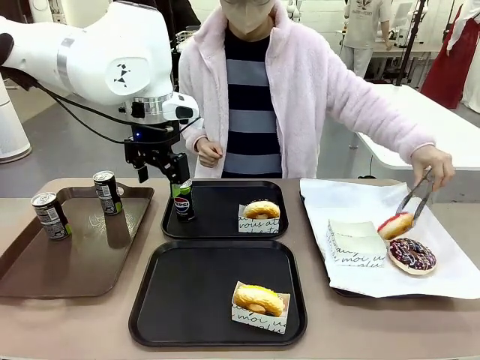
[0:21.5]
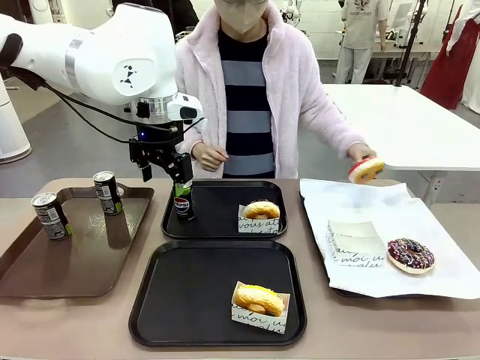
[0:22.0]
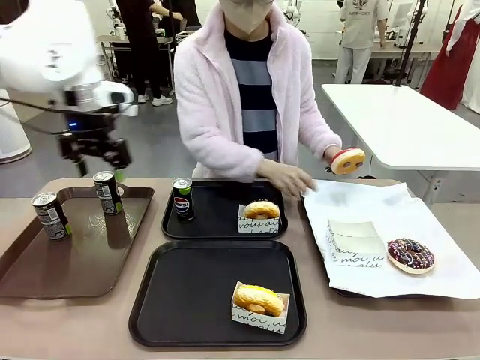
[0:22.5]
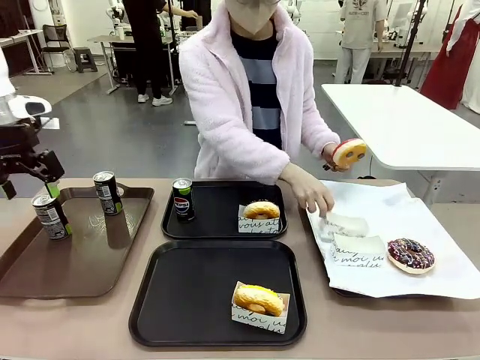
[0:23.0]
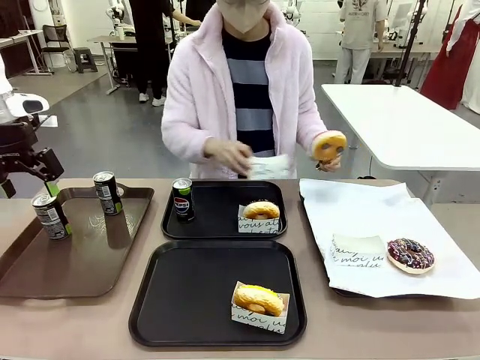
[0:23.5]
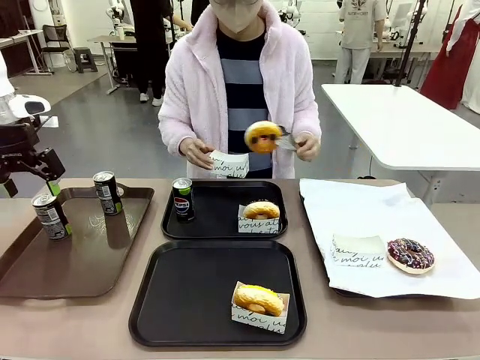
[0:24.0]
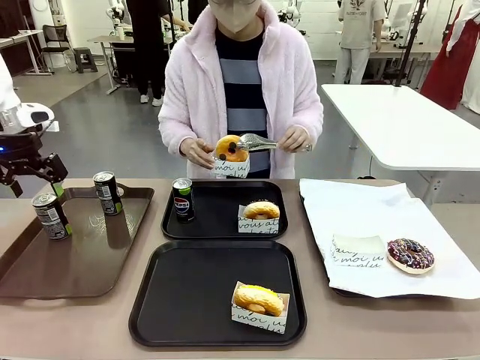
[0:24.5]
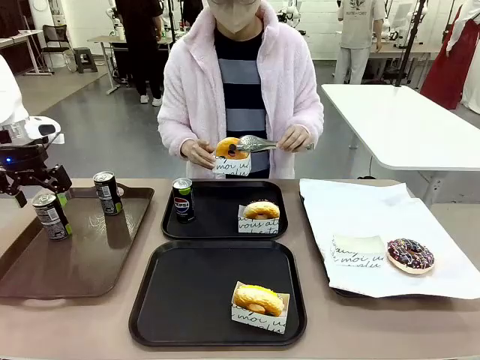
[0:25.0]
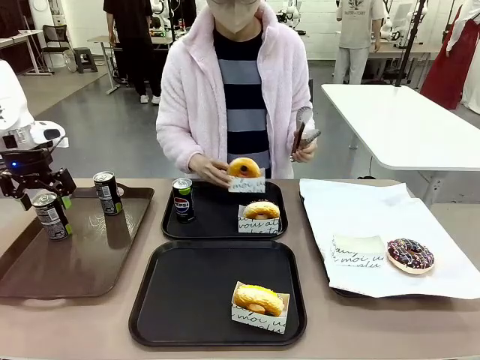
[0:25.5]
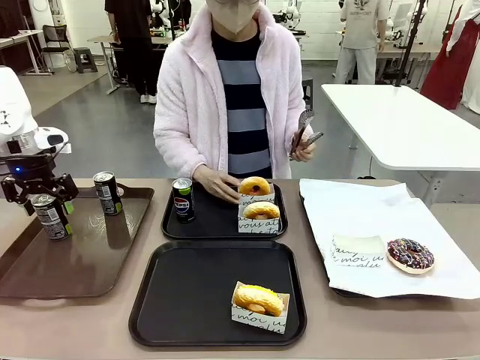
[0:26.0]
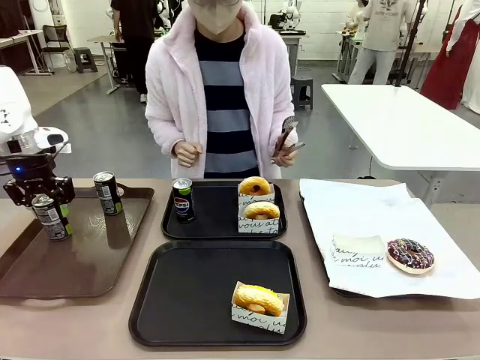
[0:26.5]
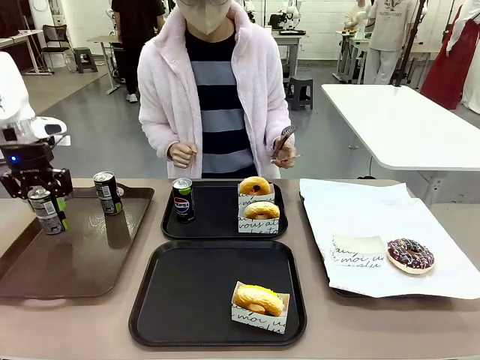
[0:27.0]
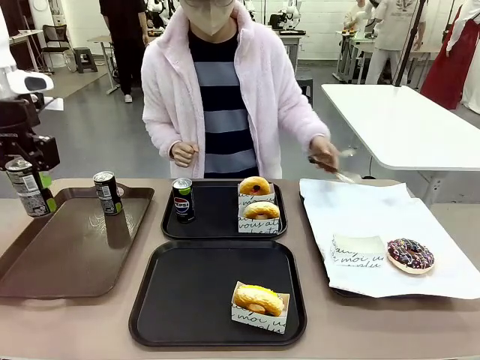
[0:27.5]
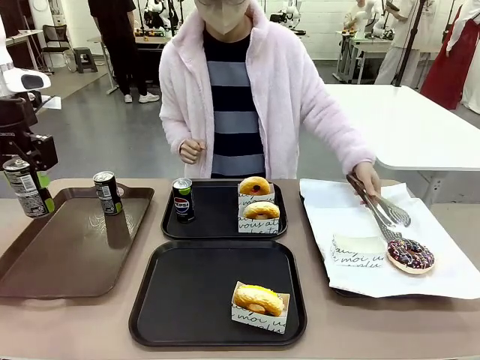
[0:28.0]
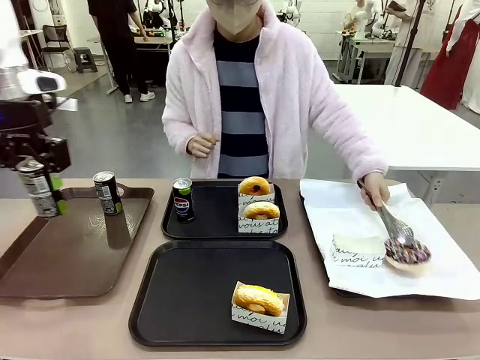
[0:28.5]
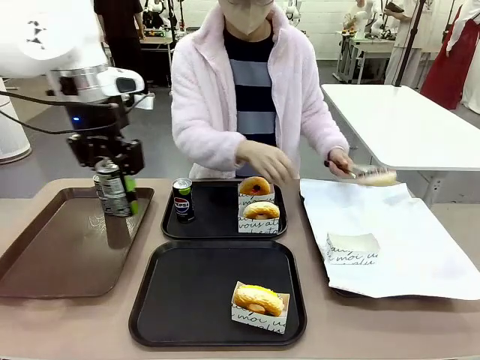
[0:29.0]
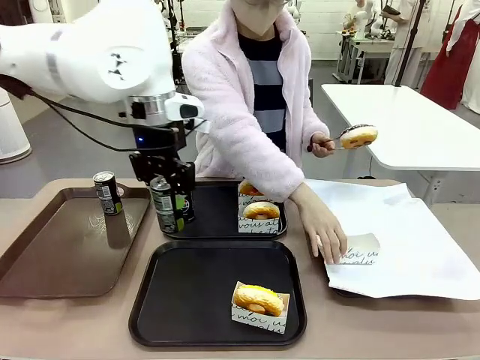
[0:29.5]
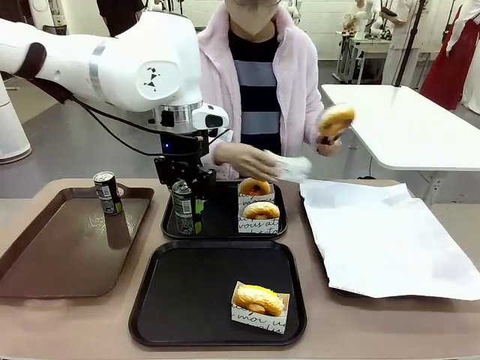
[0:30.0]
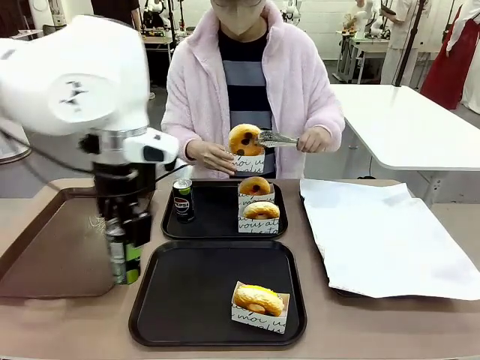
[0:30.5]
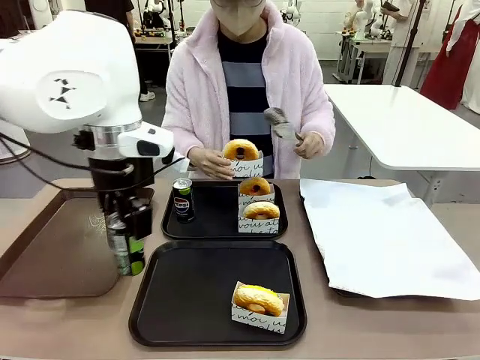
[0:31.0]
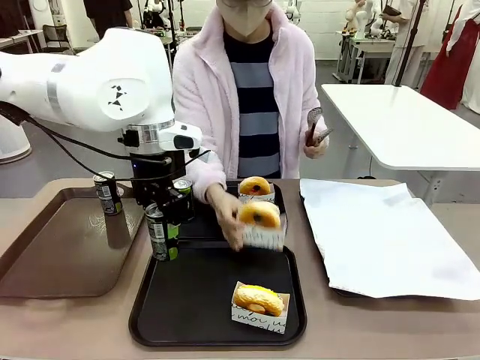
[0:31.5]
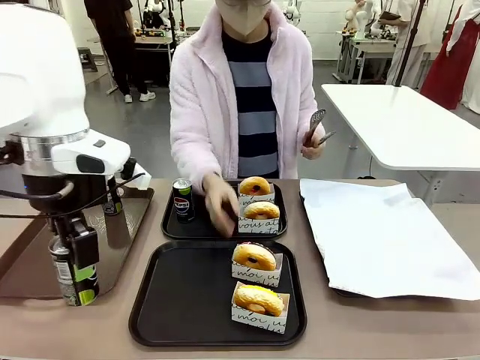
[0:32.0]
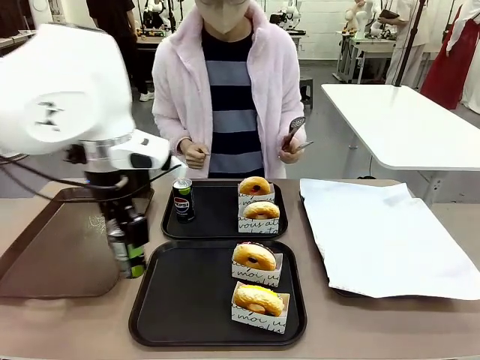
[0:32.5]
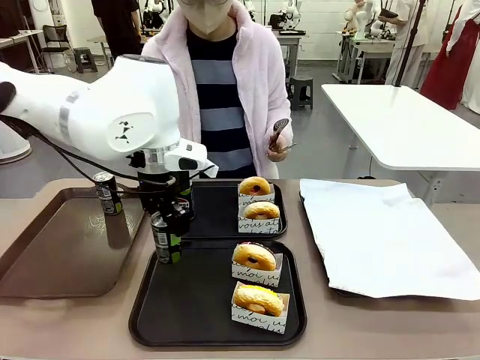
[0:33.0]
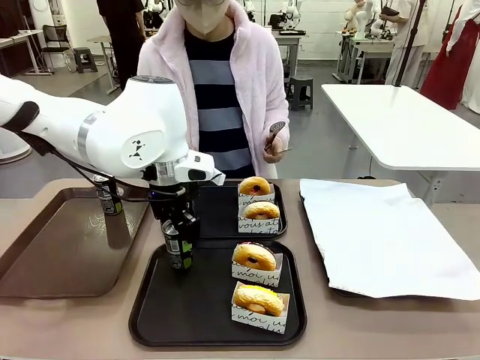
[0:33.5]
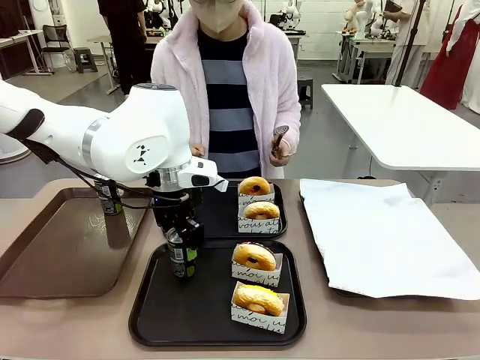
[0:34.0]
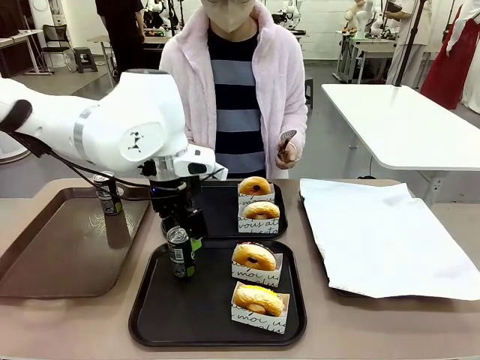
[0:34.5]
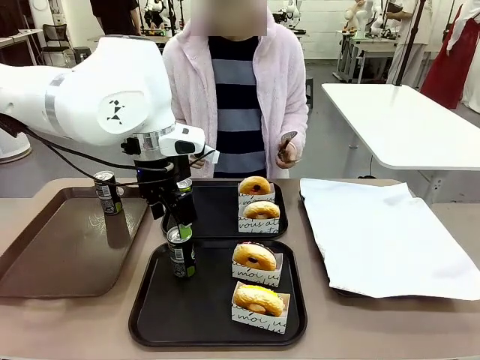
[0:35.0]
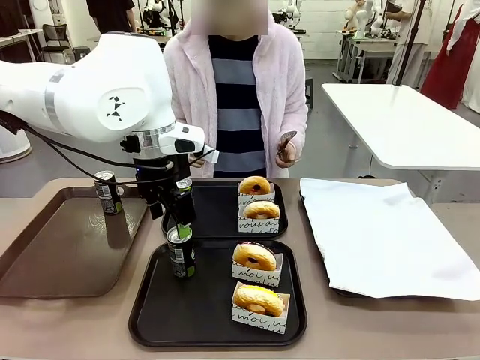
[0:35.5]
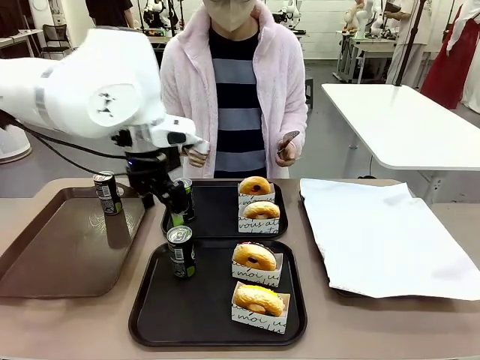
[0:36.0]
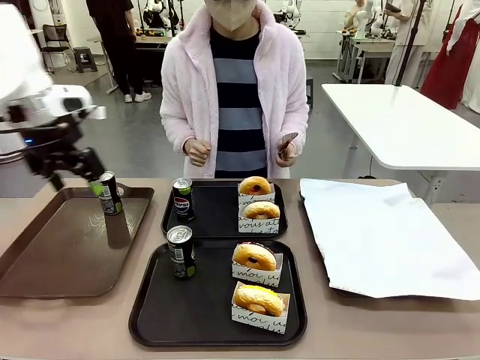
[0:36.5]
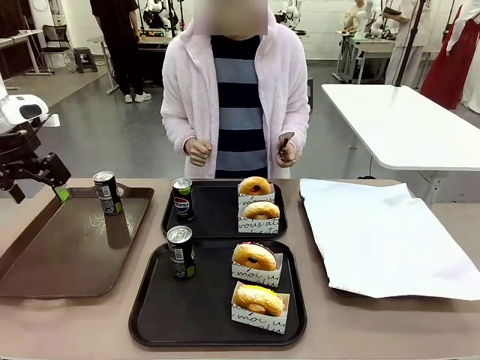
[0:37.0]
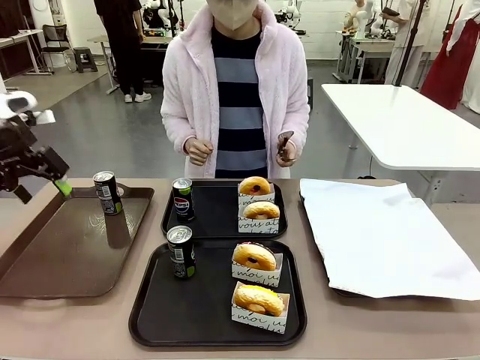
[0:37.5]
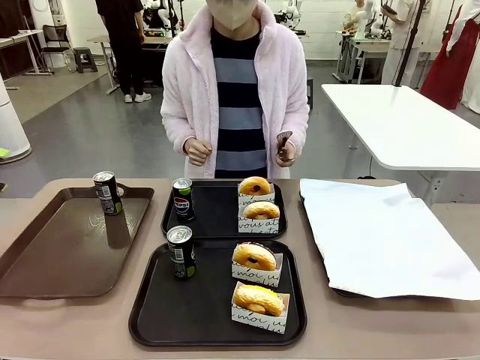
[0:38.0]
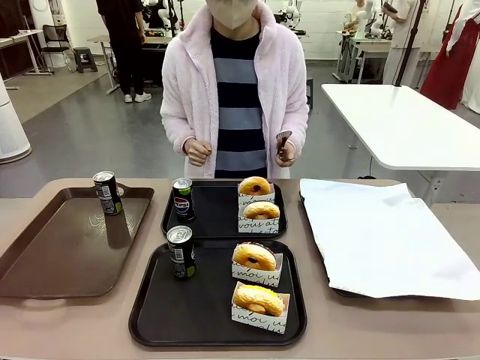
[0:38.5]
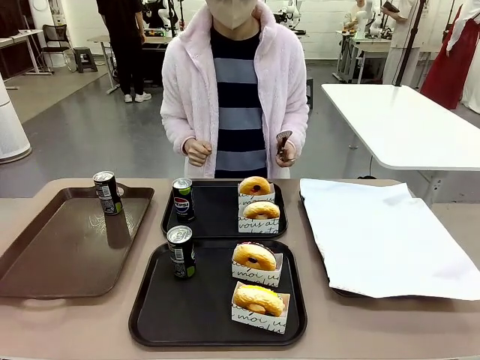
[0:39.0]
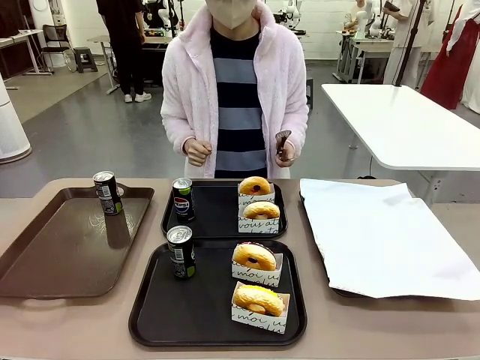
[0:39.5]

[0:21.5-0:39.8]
Task: Set up donuts and drinks on trays.
Robot: Pick up one Pepsi coke from the Handle tray and place it on the Flat Tray without a Pepsi coke.
